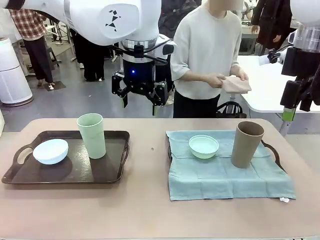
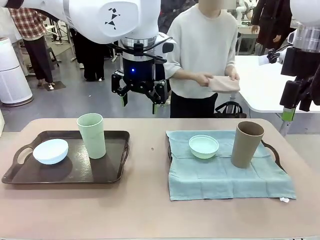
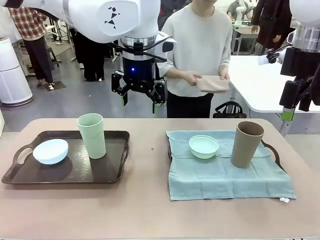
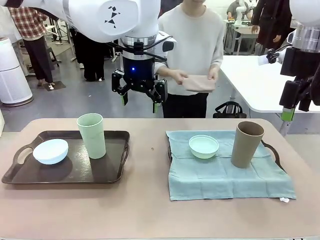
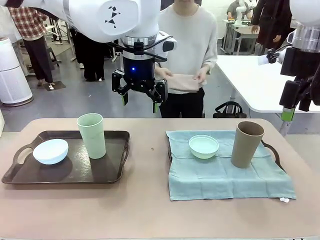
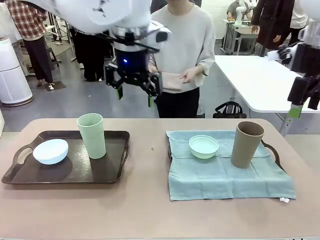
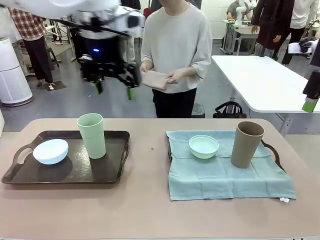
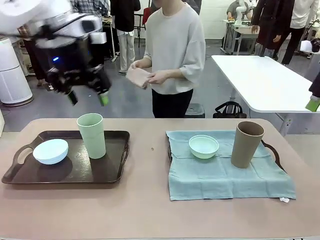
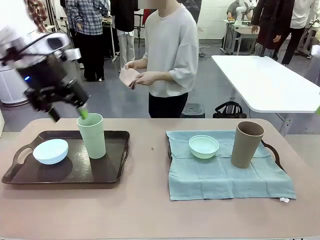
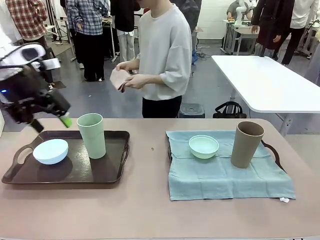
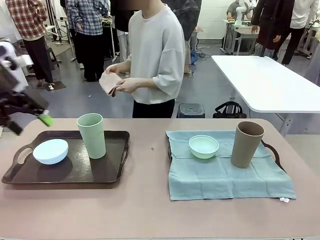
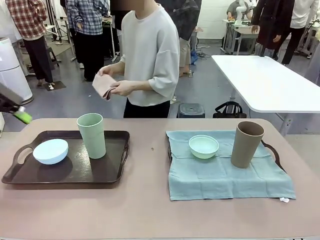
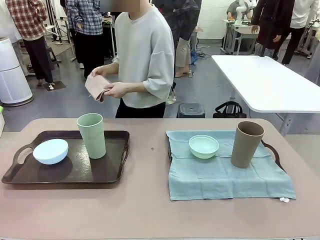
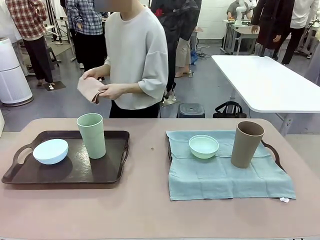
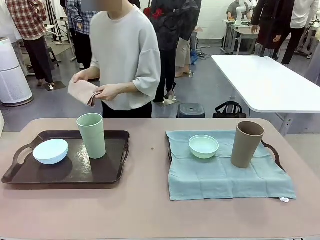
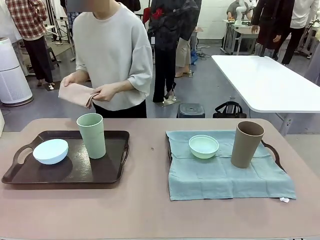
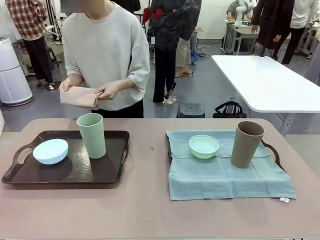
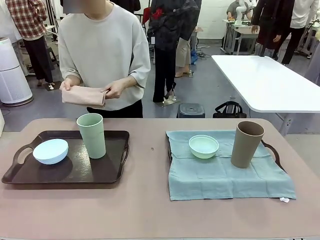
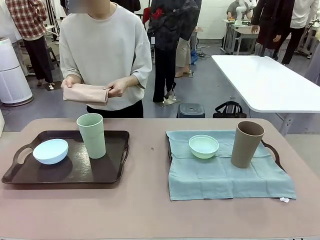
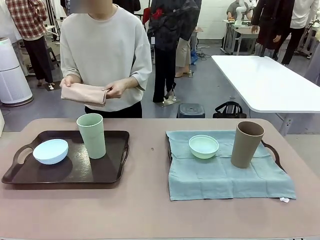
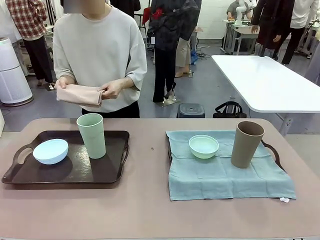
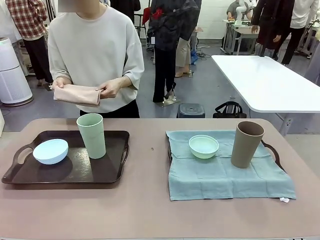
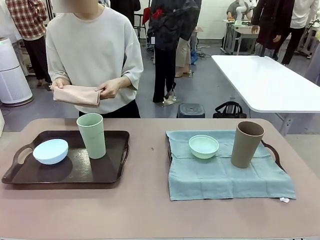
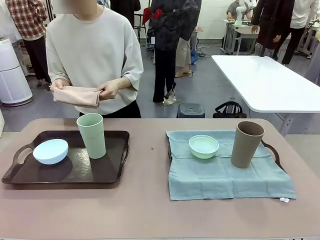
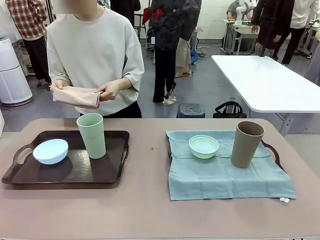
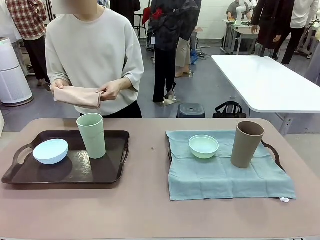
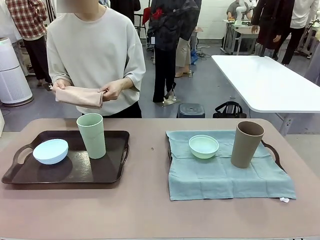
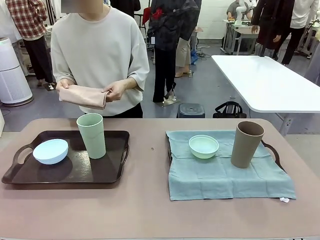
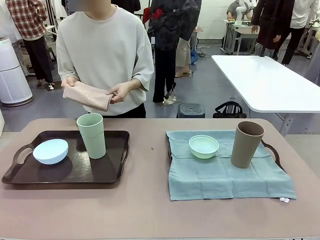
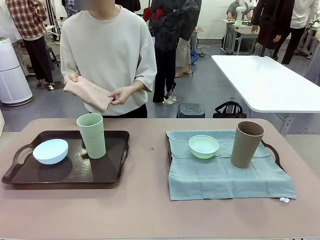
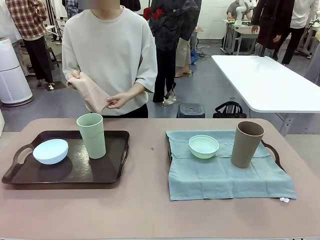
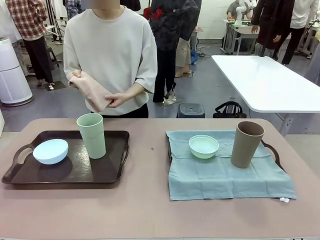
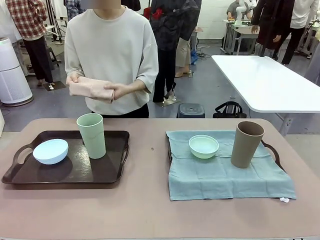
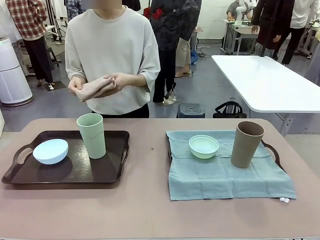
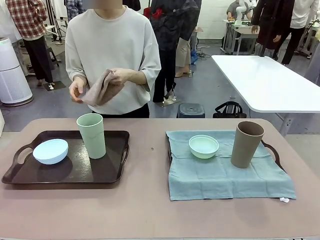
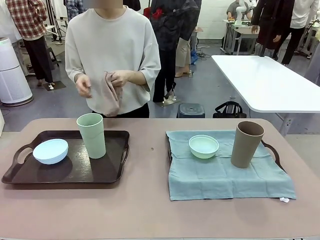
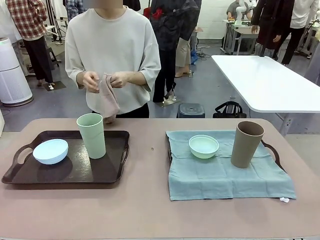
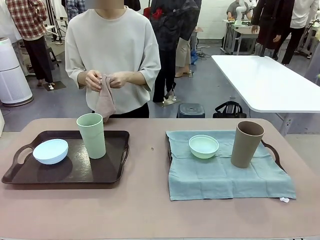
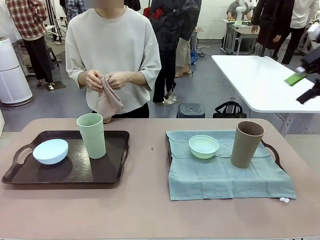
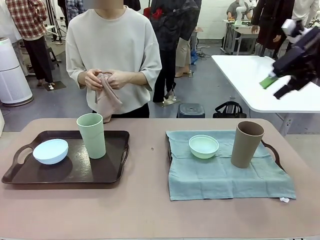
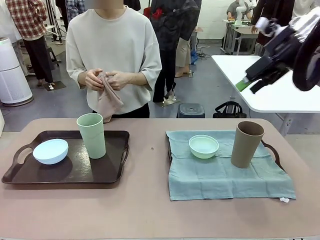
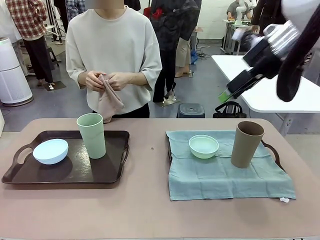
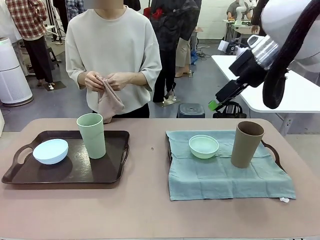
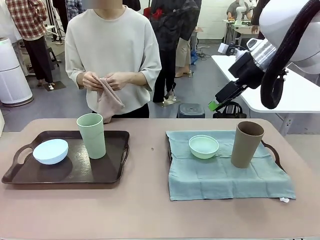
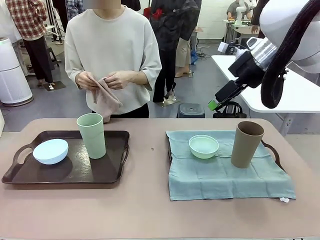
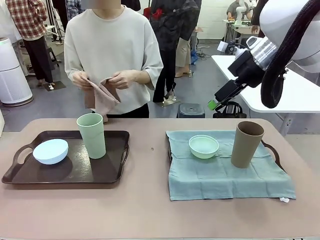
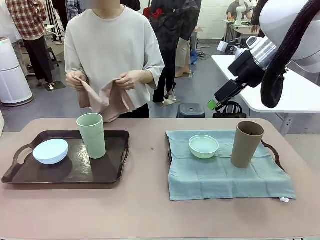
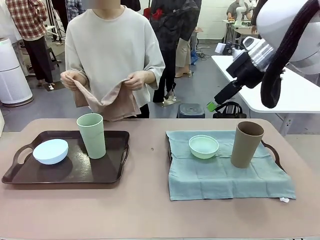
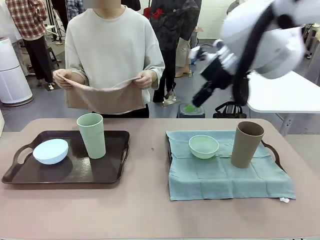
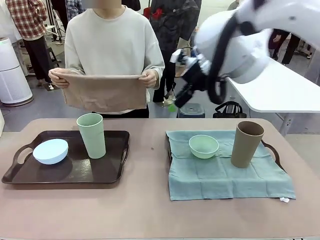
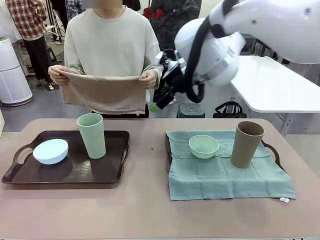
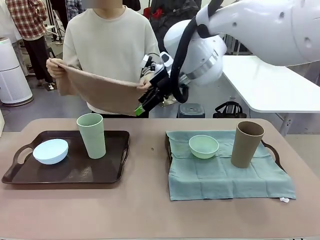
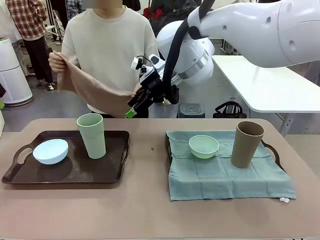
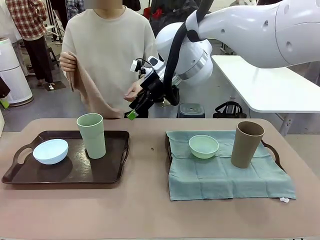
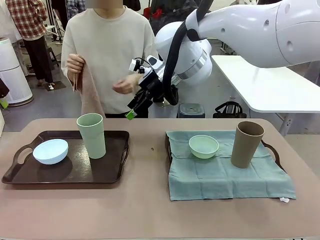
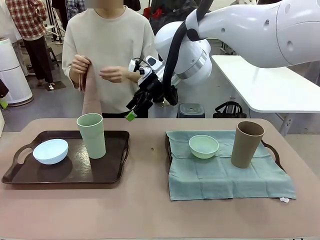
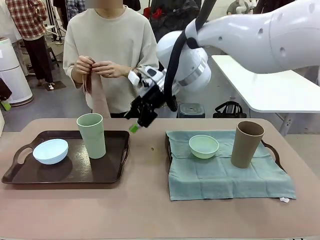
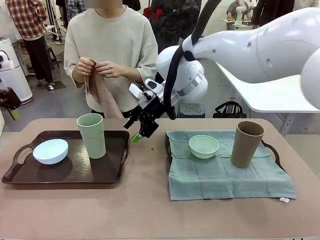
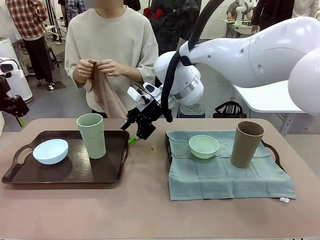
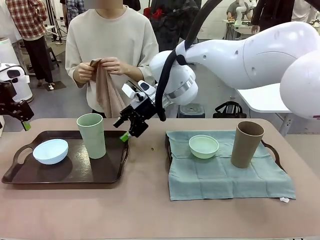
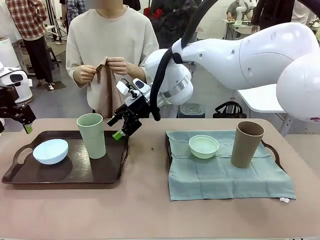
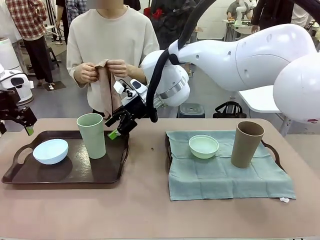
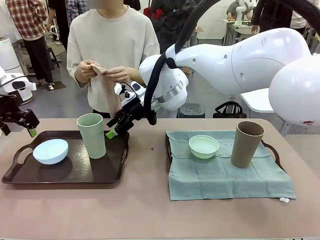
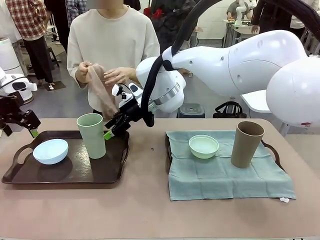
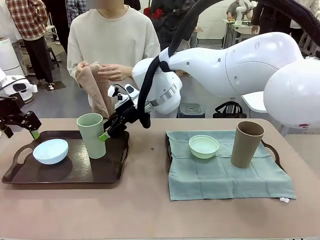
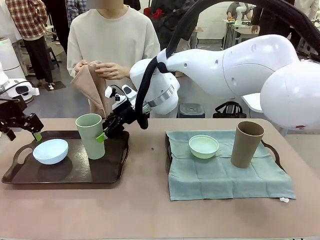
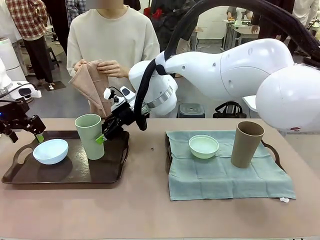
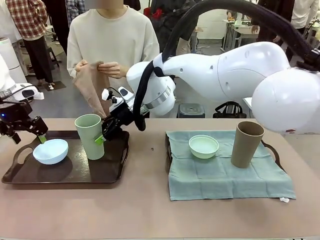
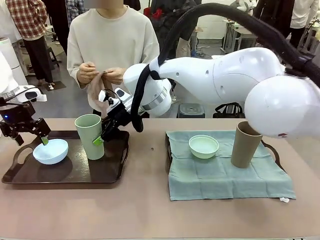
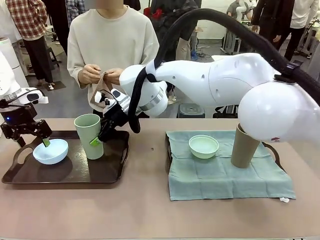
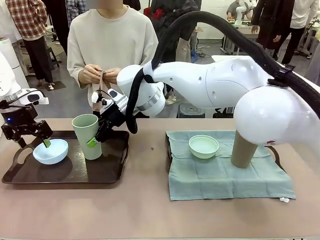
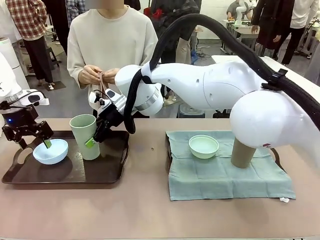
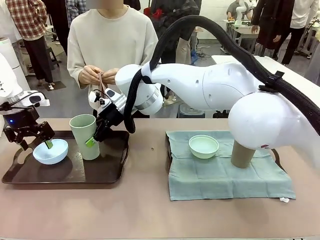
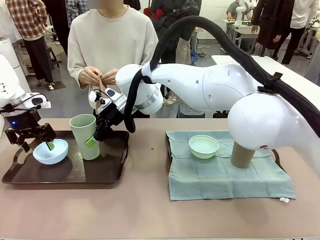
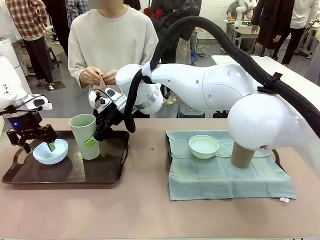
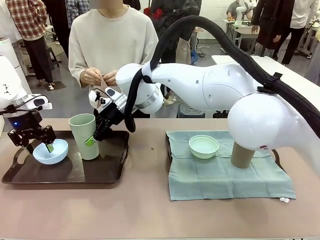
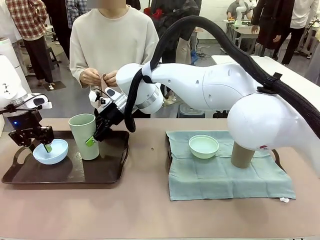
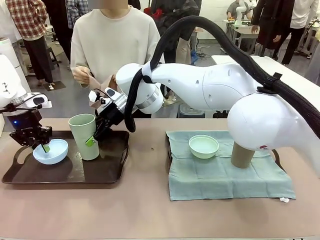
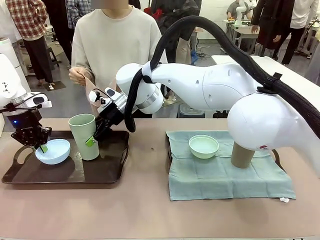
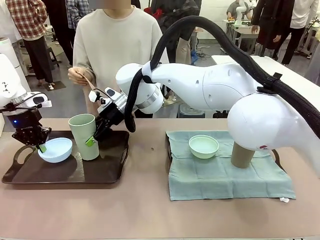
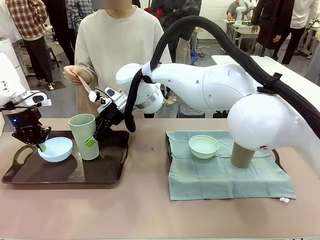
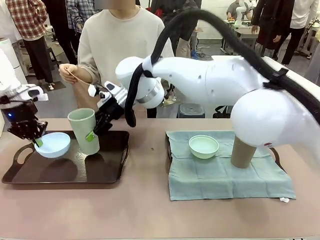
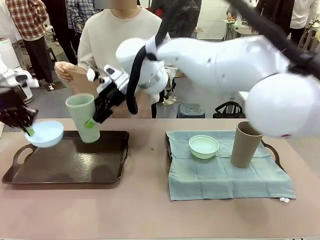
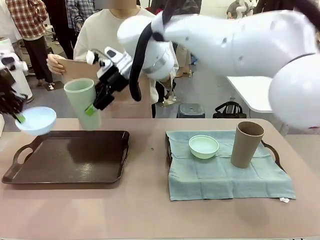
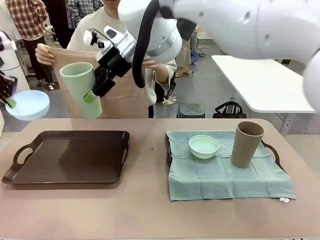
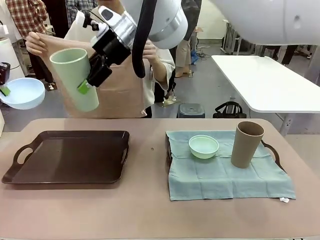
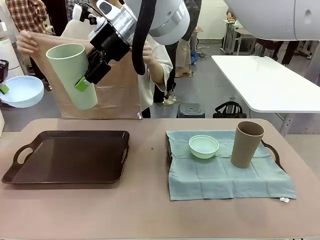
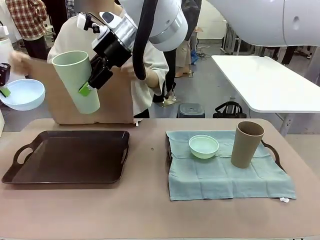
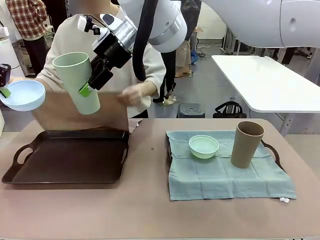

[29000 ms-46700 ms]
Robot: Pick up the Picnic Bowl and Reusable plastic cup from the Handle tray in front of the human's position and hold them in the air.
